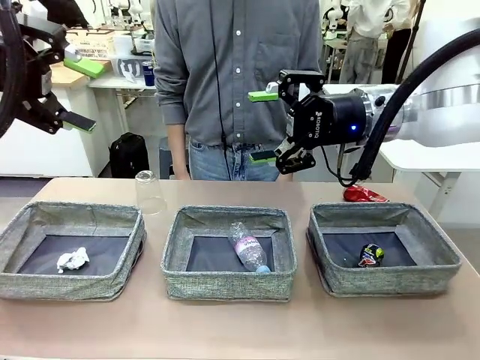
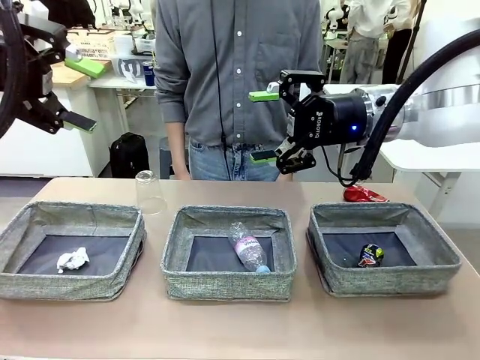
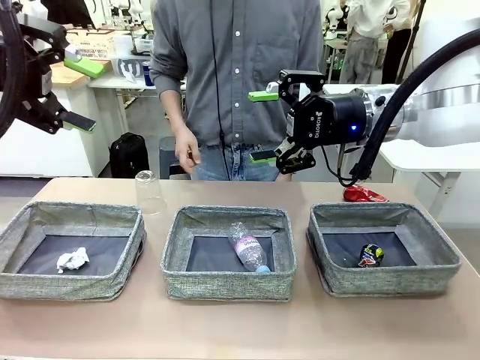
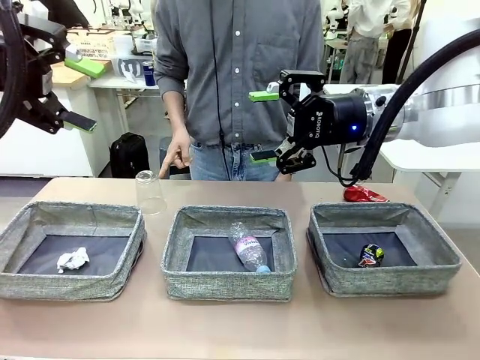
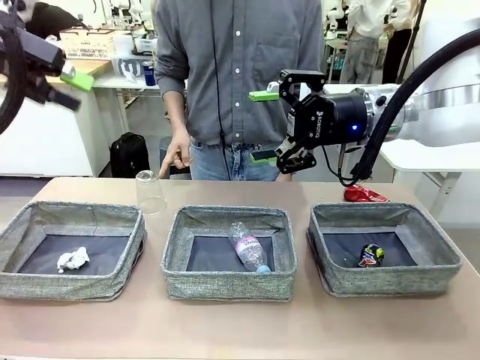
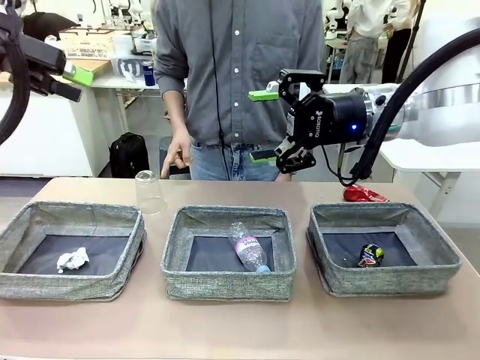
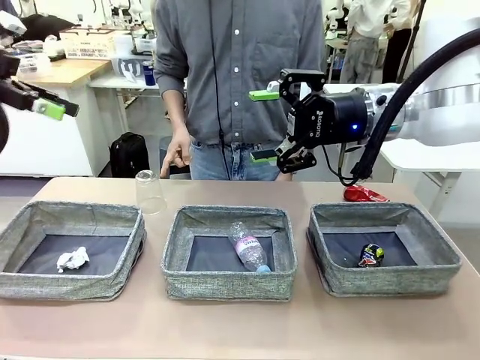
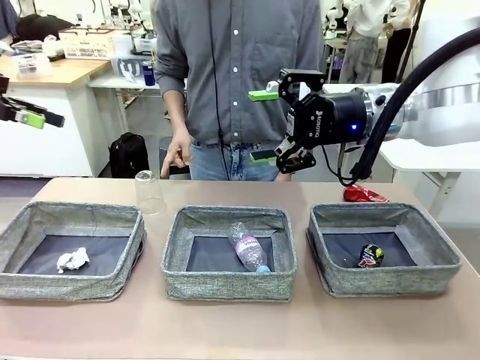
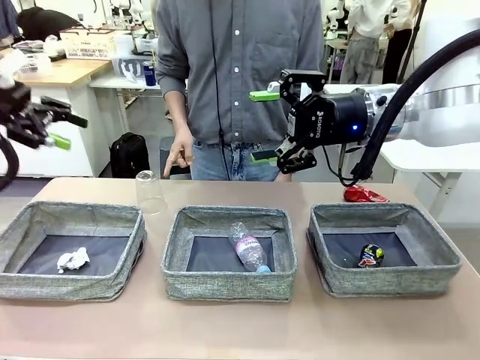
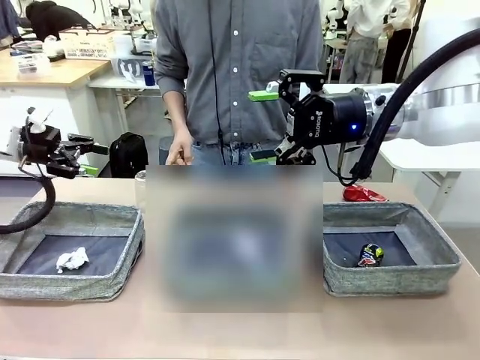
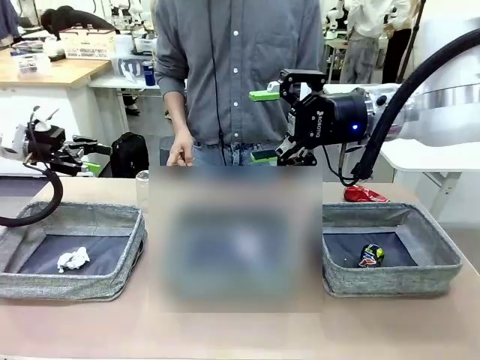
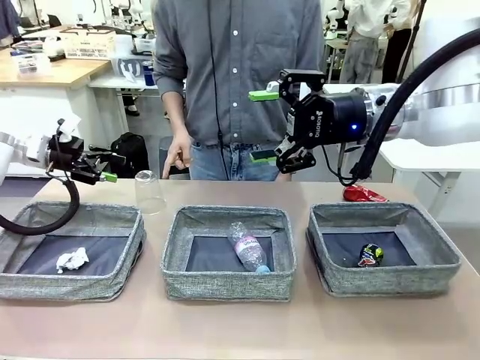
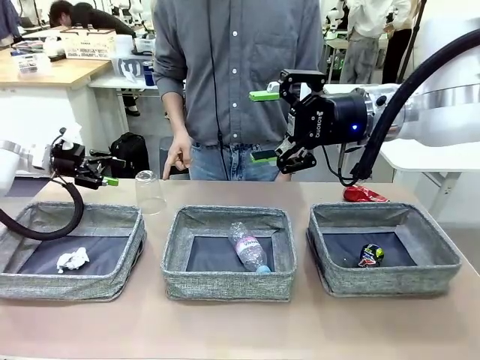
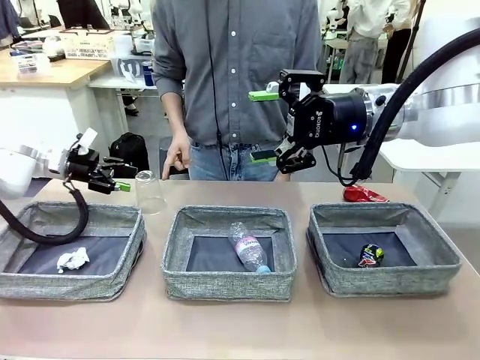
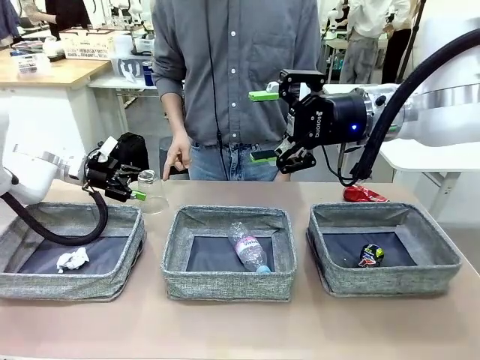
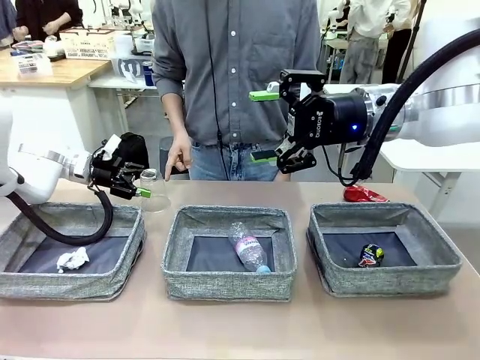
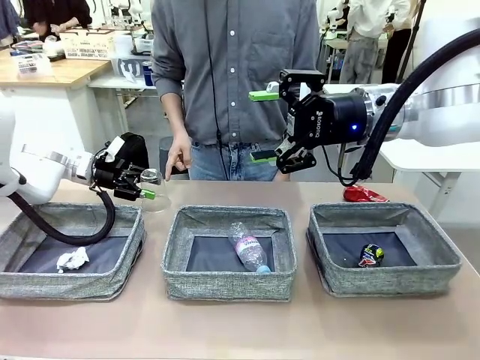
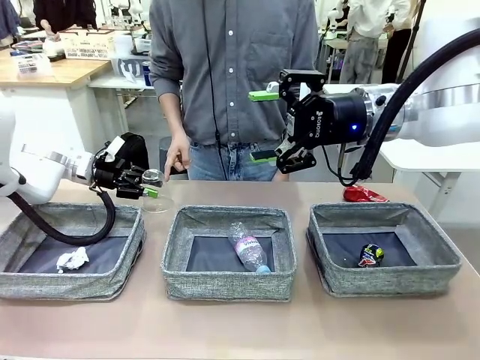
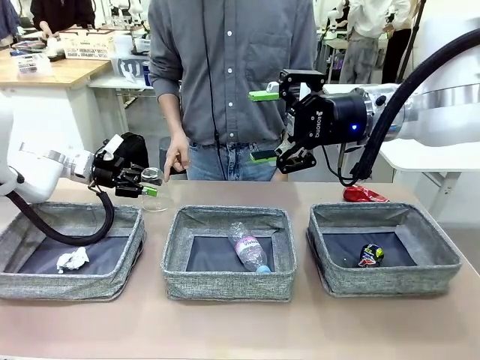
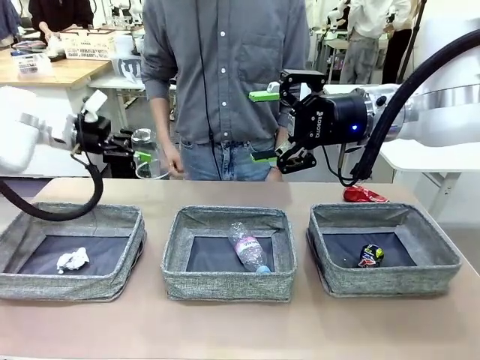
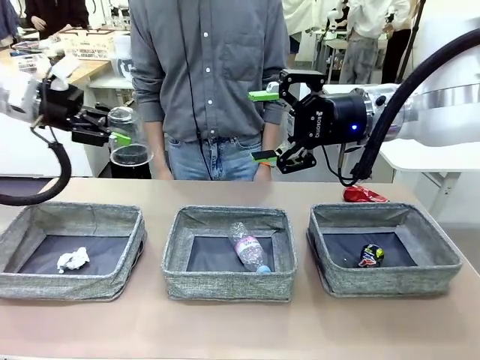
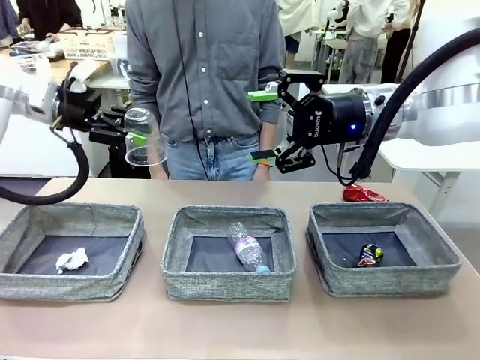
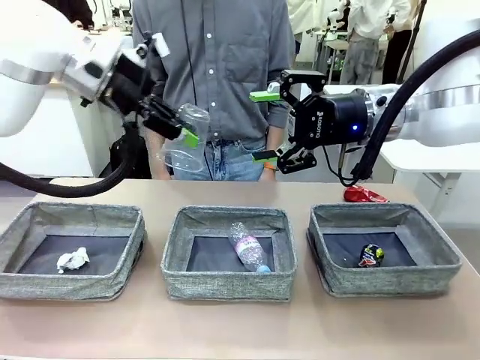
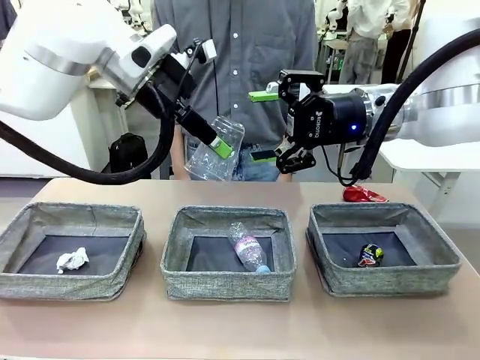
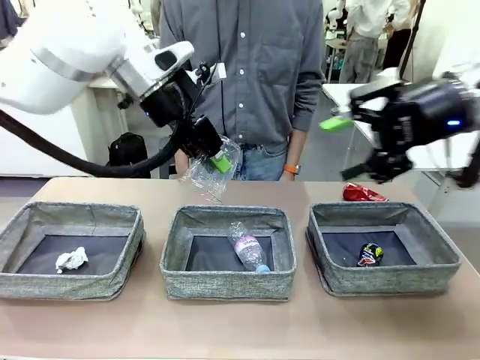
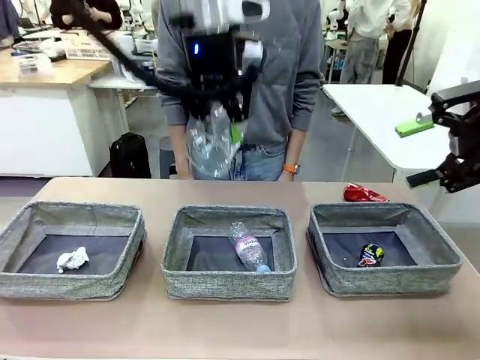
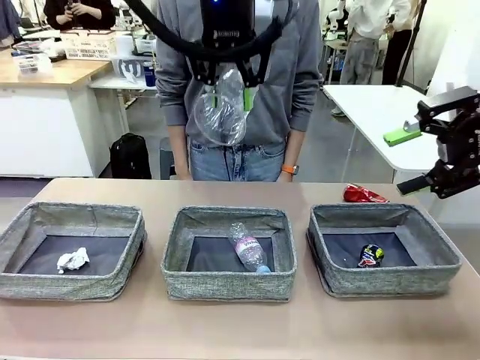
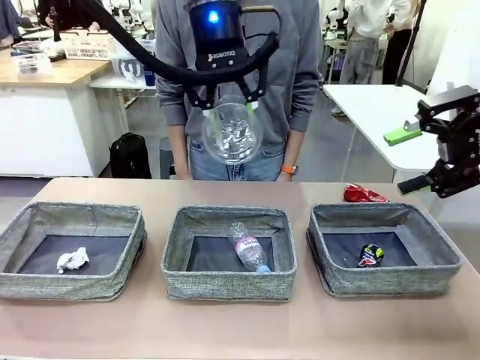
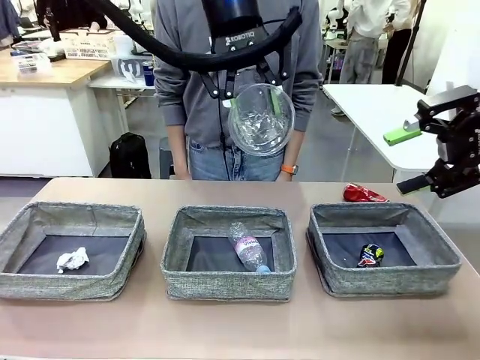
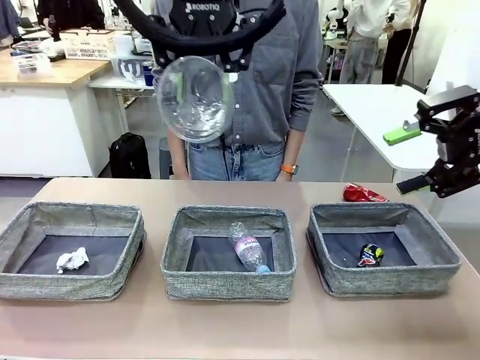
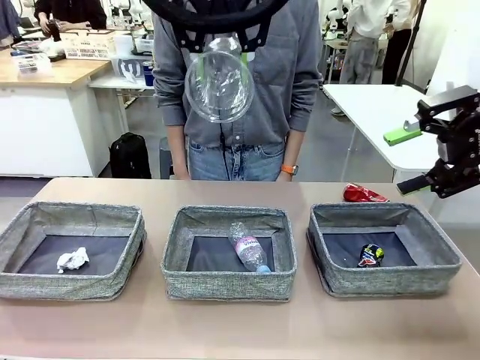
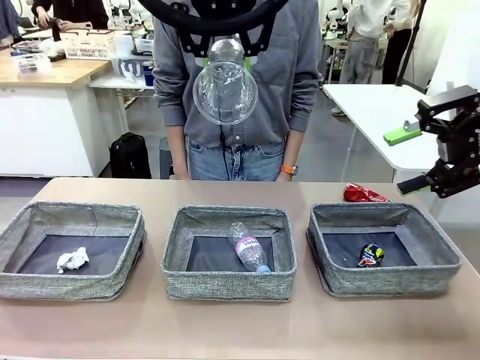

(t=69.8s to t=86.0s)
Task: Sort the waste into the appropriate baskets.
Robot: Pick up the waste item pointed out by the person.
Person: Points to one piece of trash on the table.

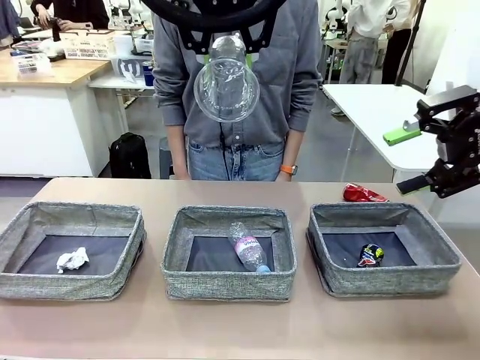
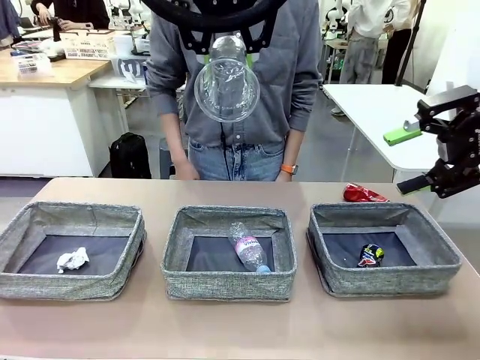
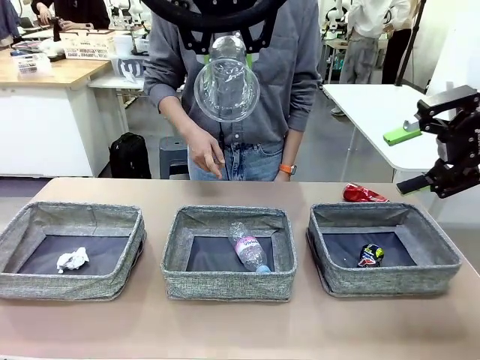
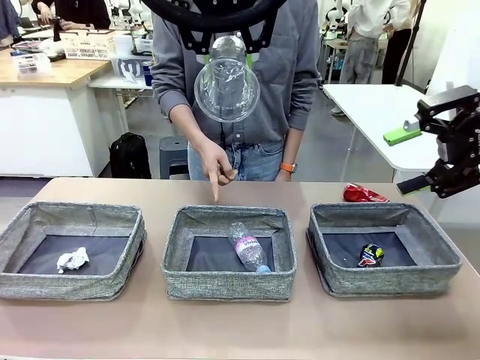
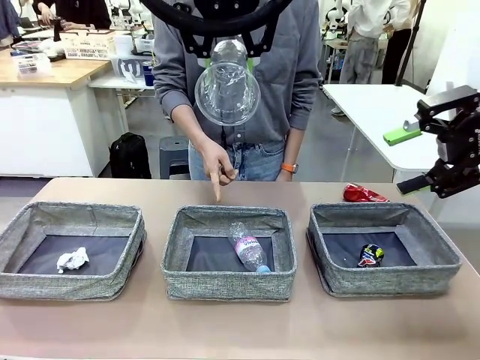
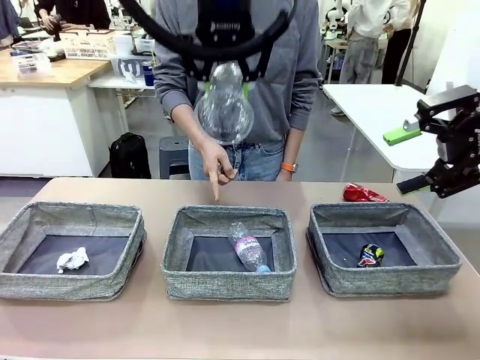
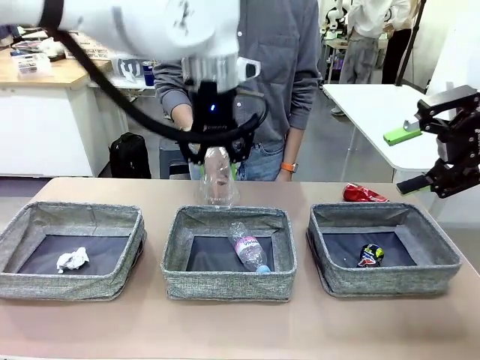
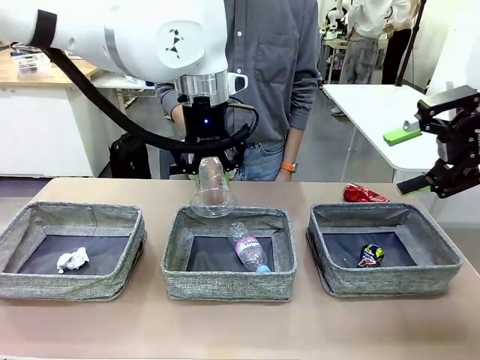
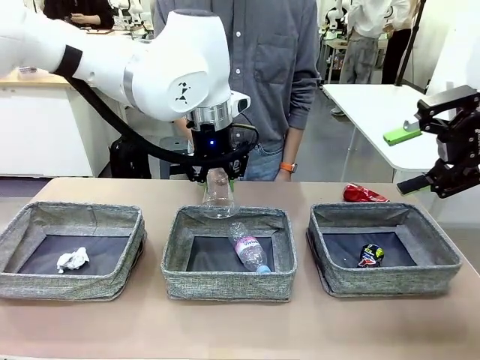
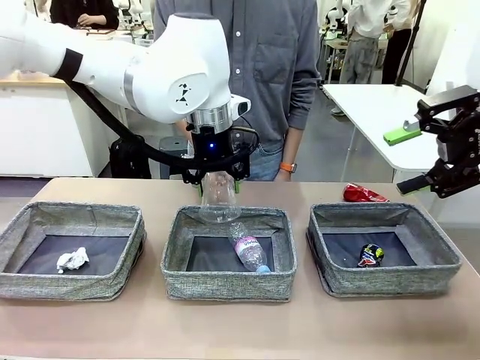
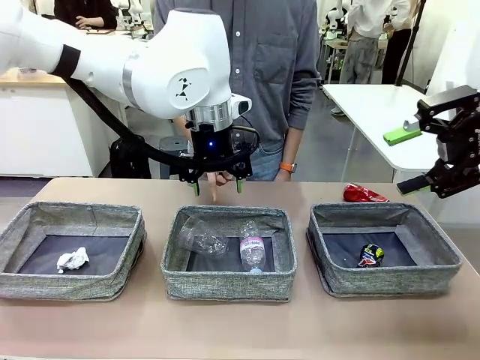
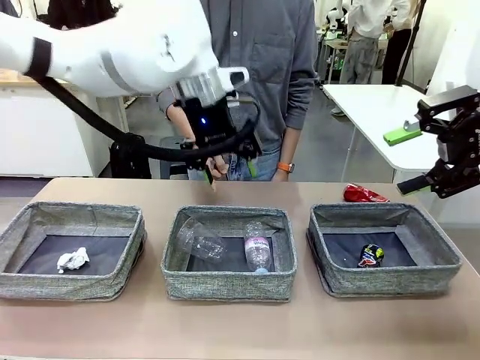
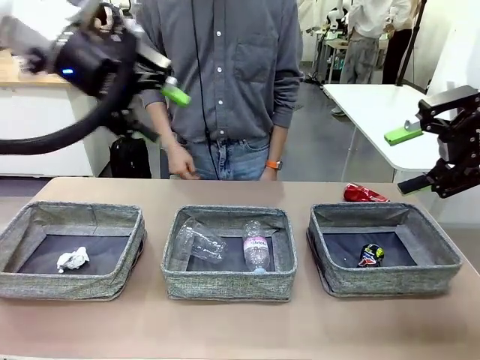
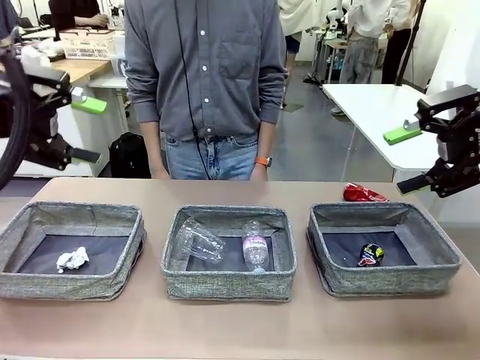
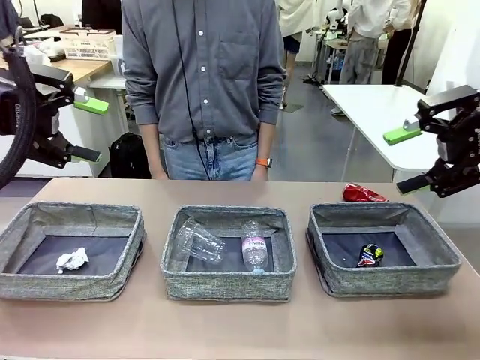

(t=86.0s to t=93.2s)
Robot: Place the picked waste into the Fabric basket indicated by the person.
Person: Instructs the robot to place the picked-up trash into the appropriate organizing basket.
